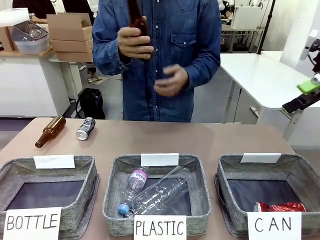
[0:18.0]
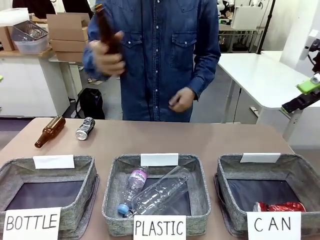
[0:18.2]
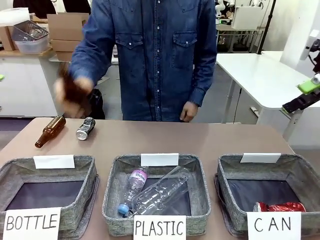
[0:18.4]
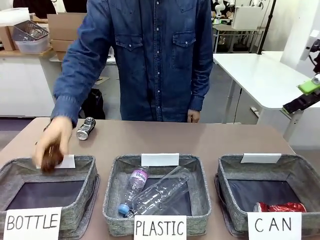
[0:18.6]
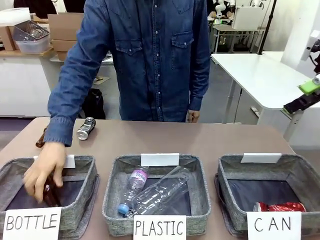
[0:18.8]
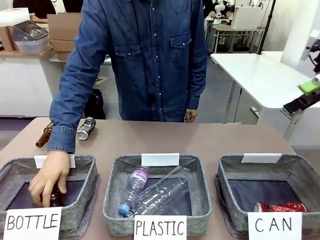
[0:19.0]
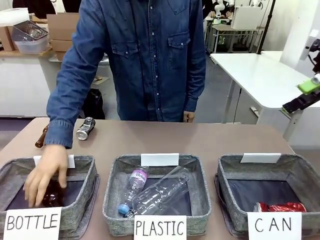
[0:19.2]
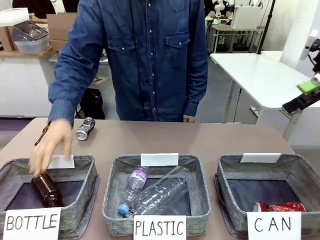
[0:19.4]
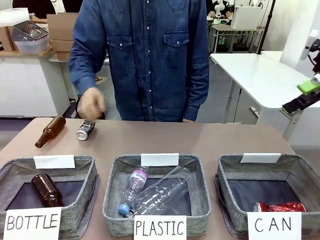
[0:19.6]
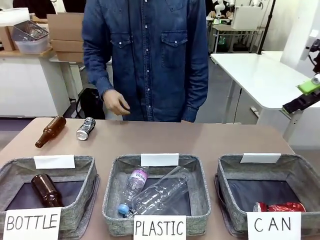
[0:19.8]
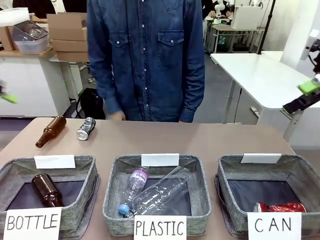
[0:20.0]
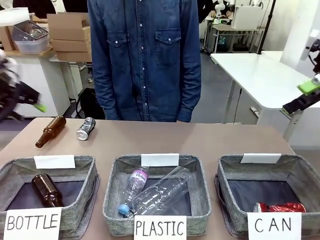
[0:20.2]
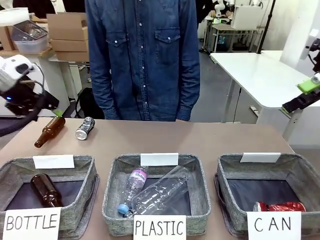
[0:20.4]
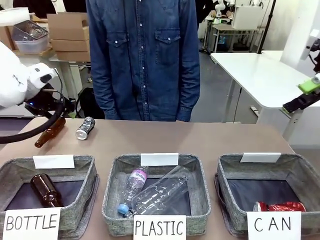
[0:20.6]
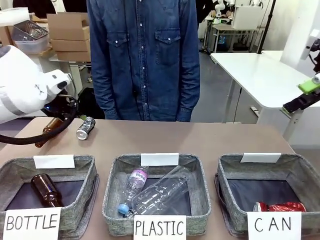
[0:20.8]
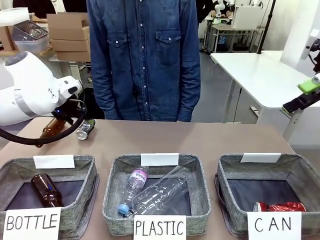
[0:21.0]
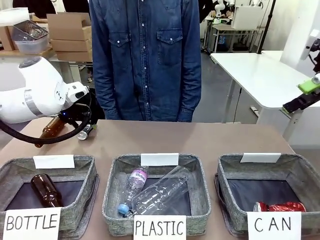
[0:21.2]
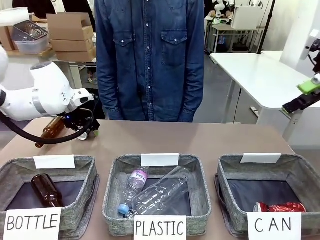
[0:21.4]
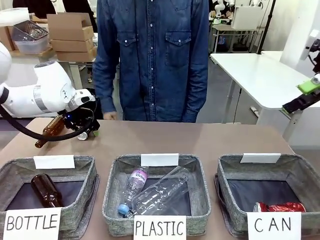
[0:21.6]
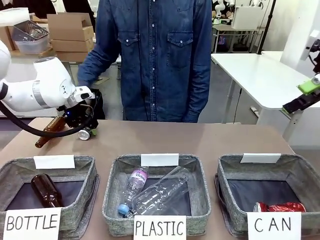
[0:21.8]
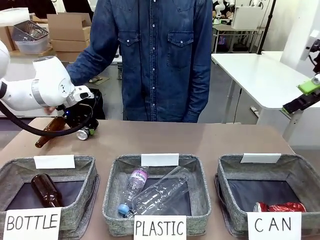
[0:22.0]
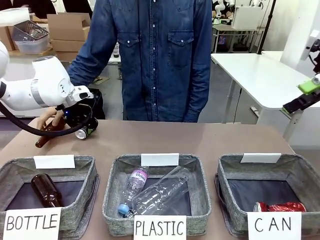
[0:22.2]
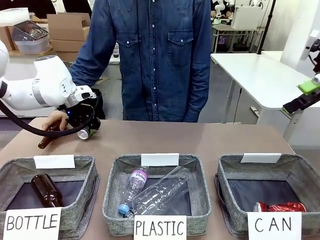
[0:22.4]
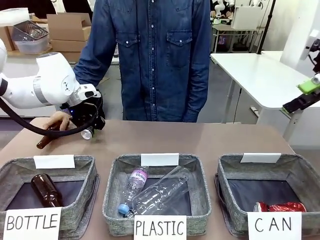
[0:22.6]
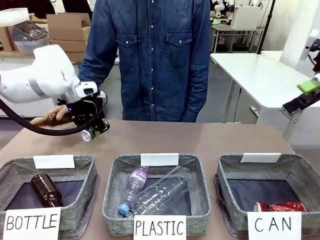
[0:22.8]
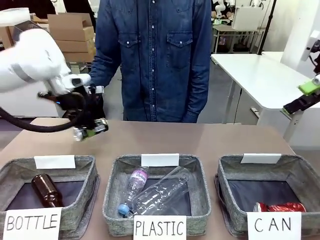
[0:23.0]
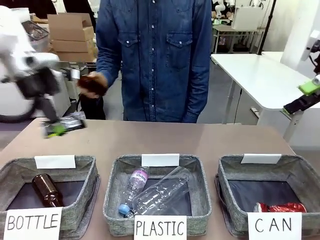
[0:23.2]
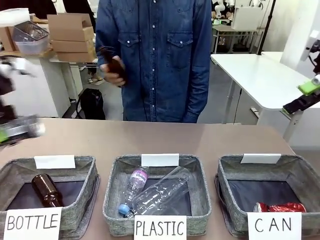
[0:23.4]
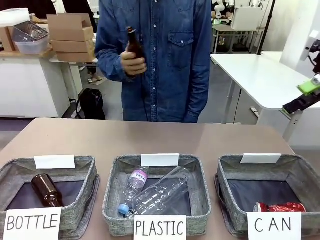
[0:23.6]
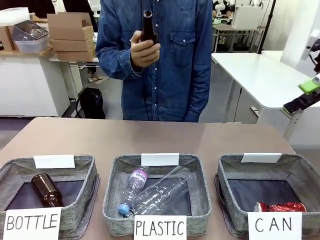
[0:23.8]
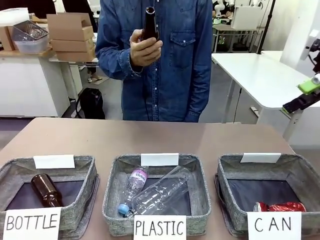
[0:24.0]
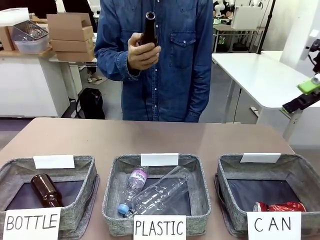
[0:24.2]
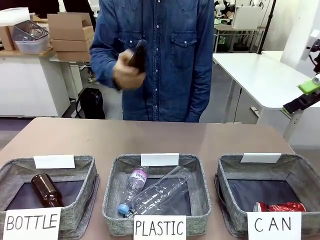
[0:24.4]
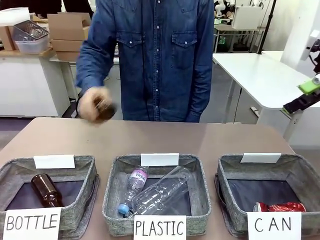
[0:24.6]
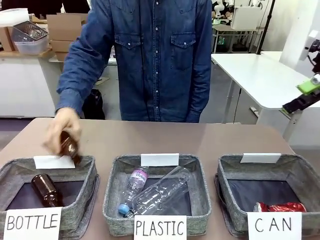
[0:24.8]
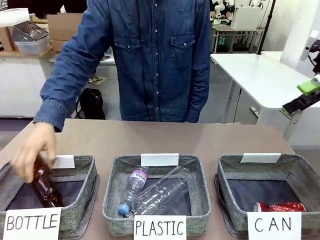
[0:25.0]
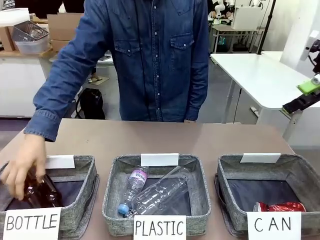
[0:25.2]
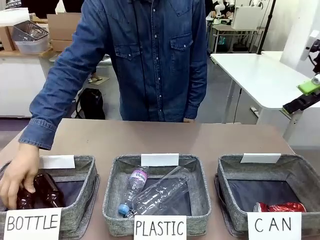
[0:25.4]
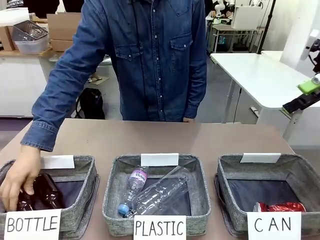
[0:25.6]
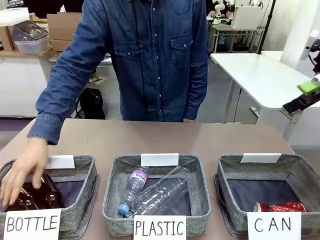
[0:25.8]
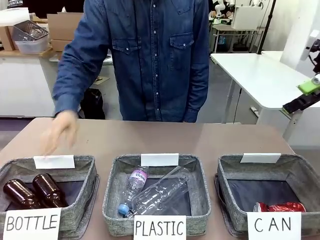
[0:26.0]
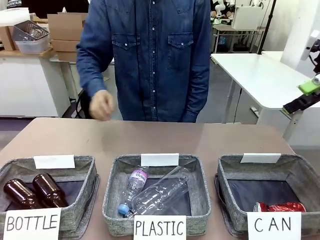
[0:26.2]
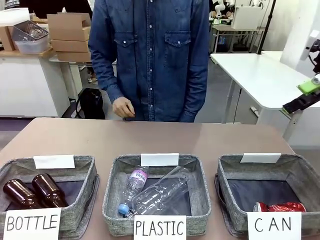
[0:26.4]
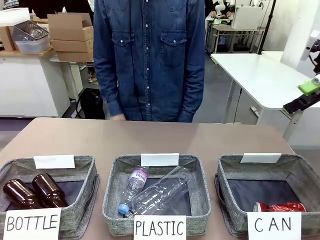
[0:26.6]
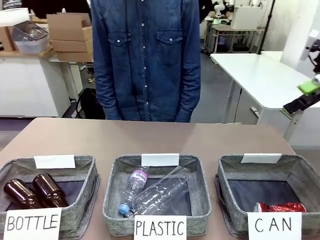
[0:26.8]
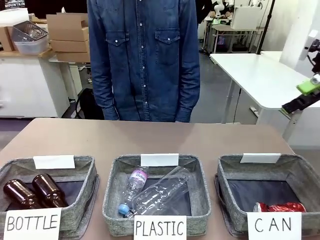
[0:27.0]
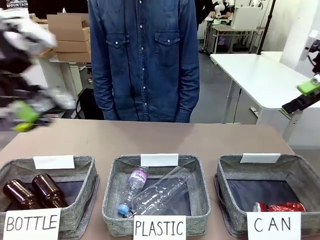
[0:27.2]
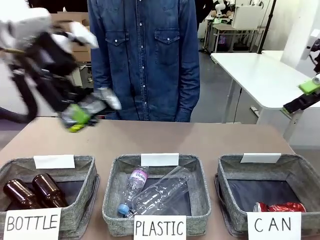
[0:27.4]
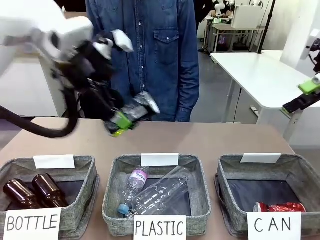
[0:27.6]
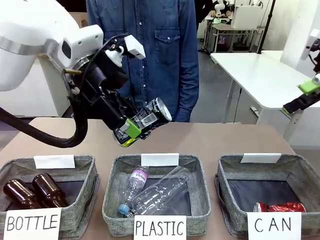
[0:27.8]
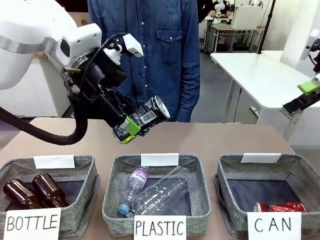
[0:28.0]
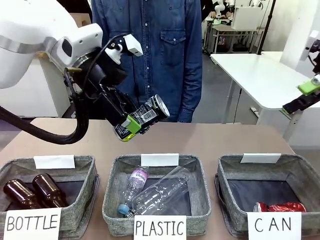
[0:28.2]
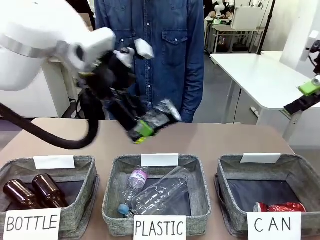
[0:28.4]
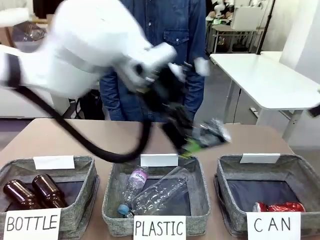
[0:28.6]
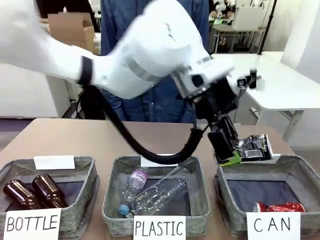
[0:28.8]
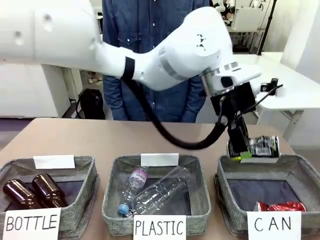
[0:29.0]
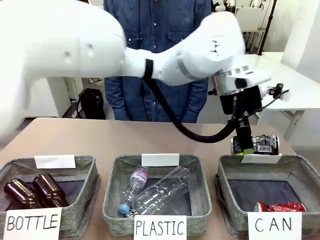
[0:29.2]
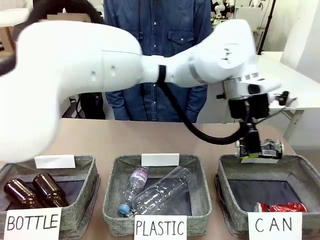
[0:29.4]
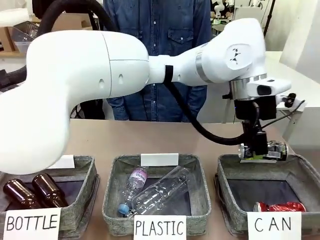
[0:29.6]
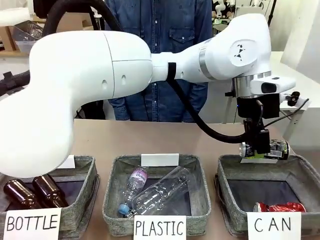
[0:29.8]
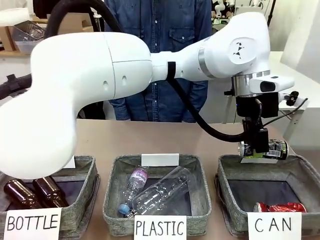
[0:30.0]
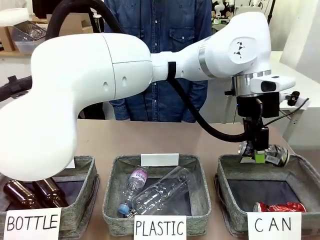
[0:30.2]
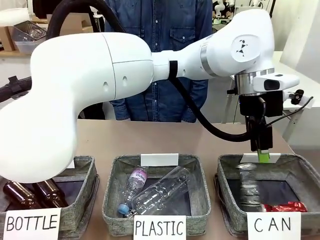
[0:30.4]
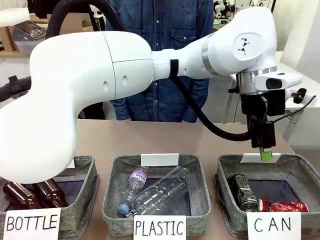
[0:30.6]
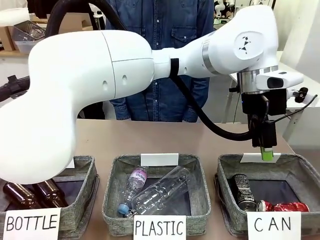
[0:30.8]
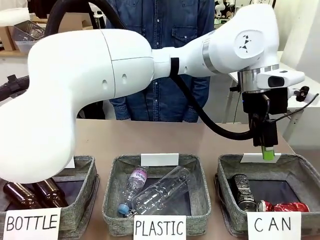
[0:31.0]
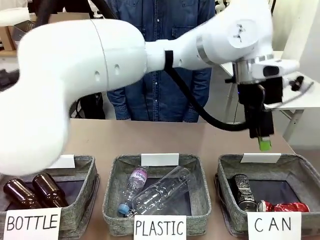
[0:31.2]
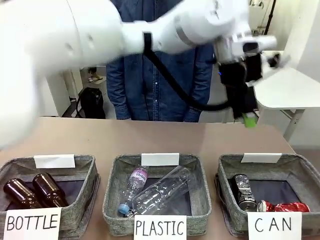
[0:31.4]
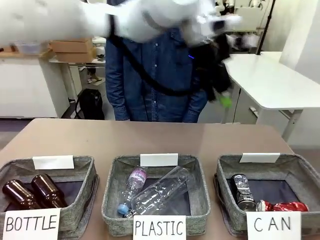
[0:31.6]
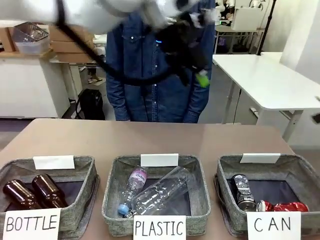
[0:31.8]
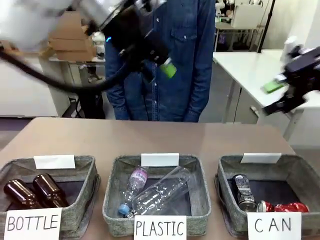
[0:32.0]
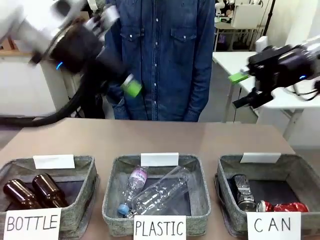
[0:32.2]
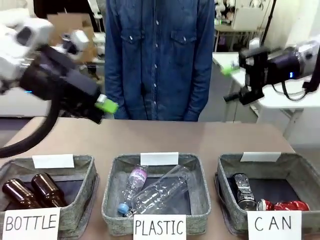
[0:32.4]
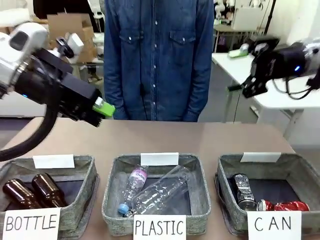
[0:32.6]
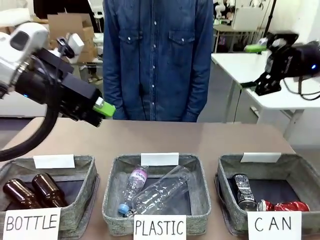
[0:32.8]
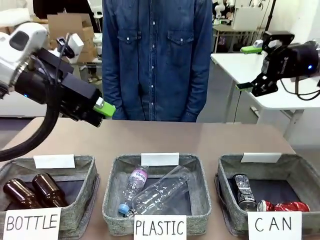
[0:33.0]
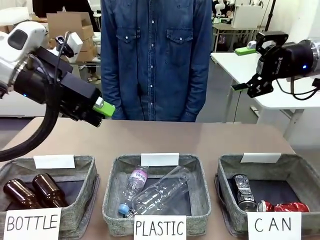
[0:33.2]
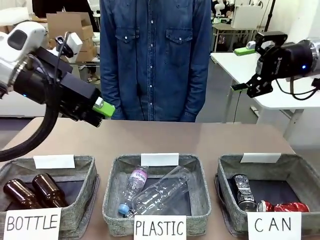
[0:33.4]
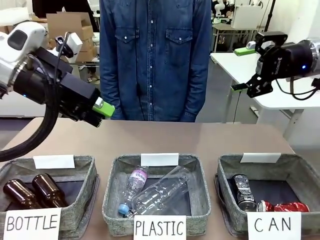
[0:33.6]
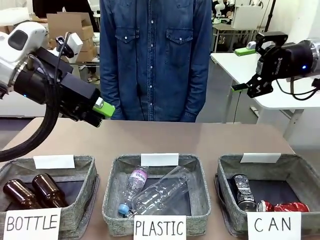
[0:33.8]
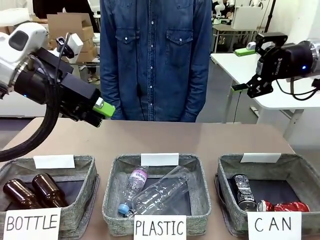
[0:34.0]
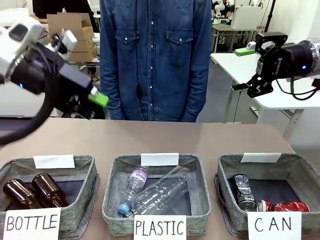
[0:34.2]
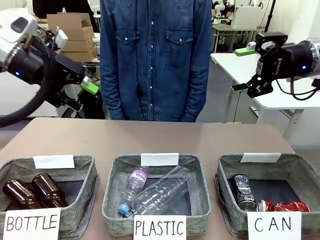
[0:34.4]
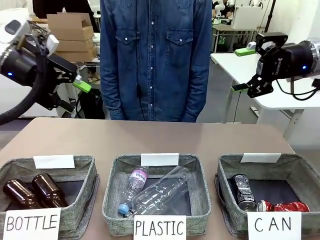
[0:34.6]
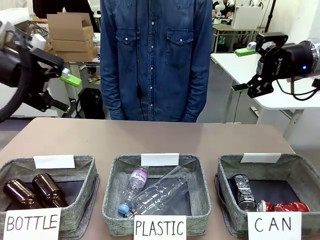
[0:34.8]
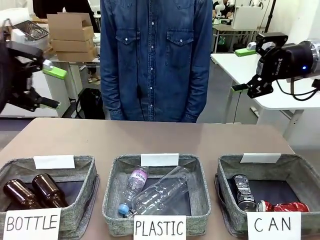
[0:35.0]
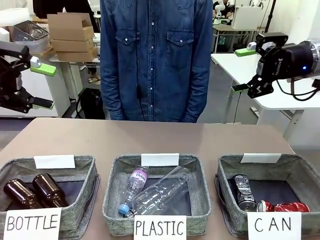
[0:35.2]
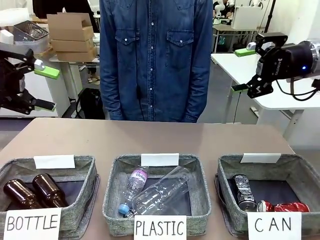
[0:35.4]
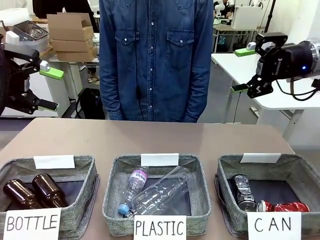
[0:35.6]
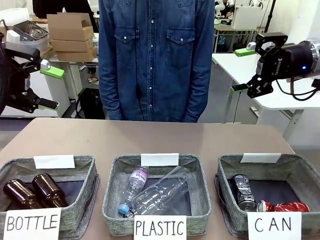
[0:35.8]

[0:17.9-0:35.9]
Task: Sort the can waste into the basket.
Robot: Pick up the can waste from the table and place it in the right Fabric basket.
Person: The human picks up one piece of trash that is not a can and places the trash into the appropriate organizing basket.

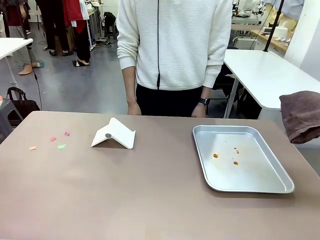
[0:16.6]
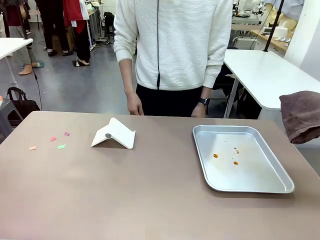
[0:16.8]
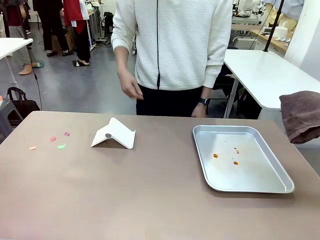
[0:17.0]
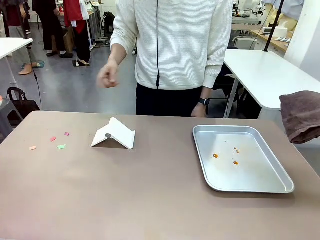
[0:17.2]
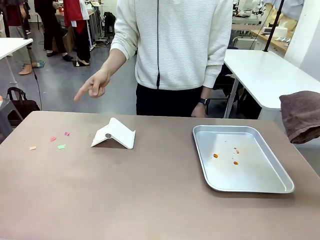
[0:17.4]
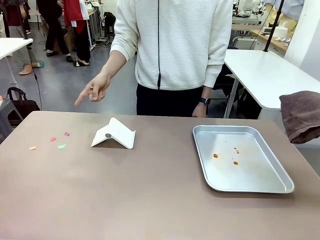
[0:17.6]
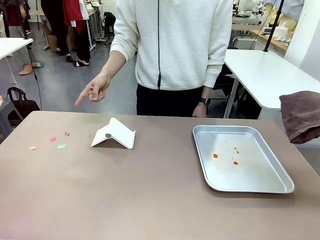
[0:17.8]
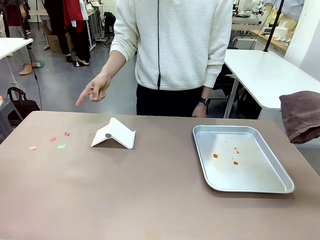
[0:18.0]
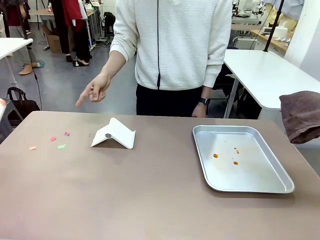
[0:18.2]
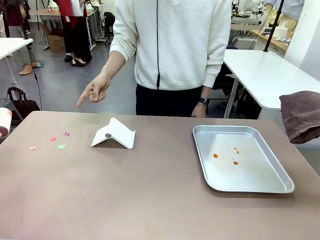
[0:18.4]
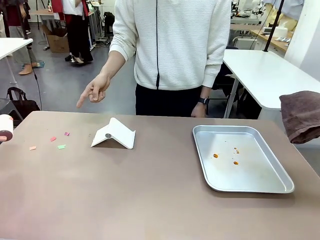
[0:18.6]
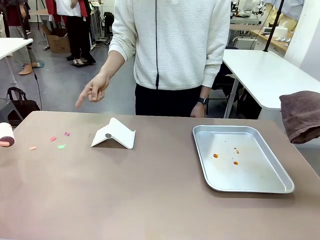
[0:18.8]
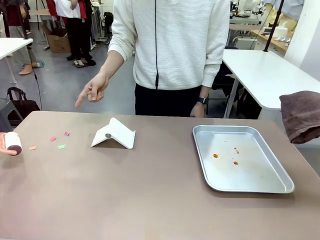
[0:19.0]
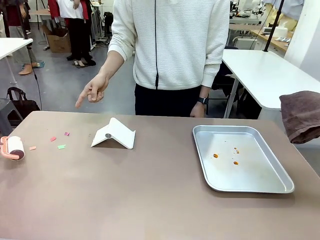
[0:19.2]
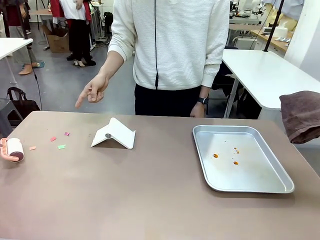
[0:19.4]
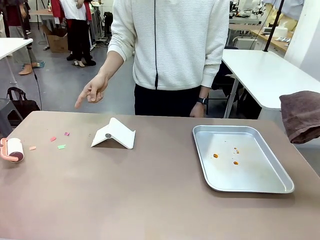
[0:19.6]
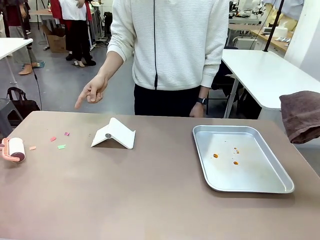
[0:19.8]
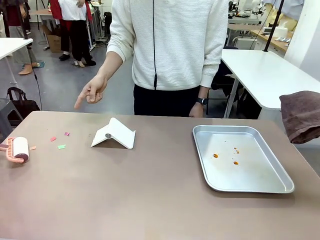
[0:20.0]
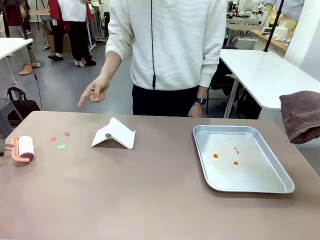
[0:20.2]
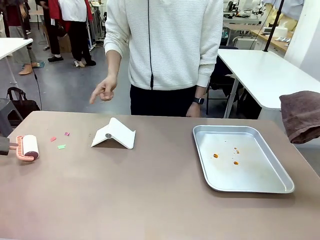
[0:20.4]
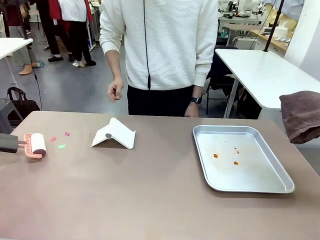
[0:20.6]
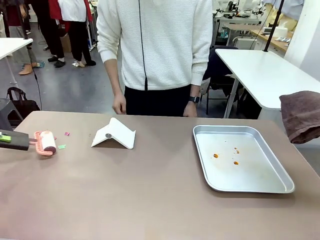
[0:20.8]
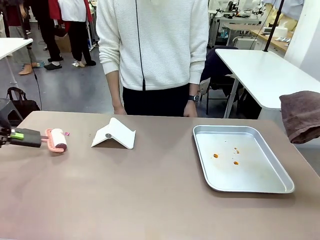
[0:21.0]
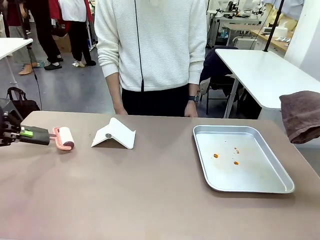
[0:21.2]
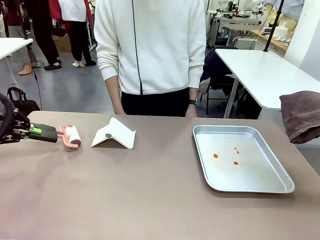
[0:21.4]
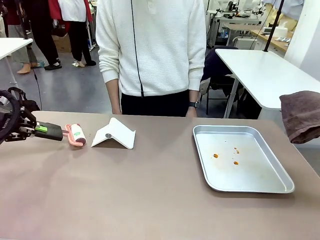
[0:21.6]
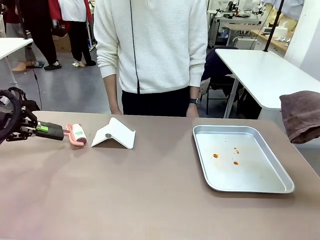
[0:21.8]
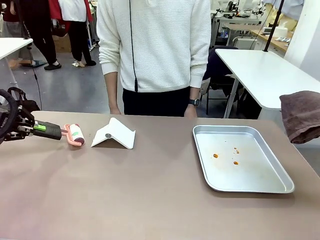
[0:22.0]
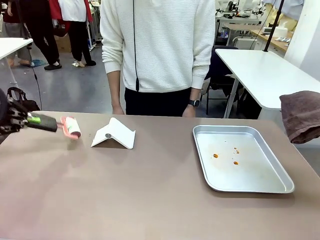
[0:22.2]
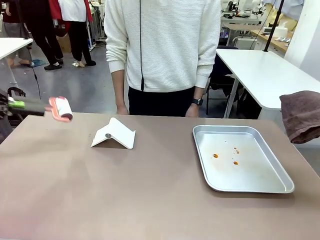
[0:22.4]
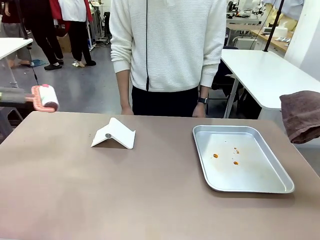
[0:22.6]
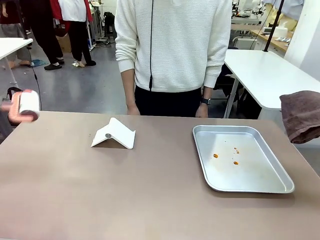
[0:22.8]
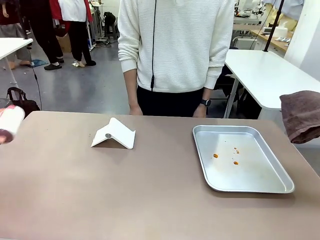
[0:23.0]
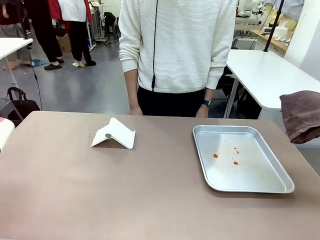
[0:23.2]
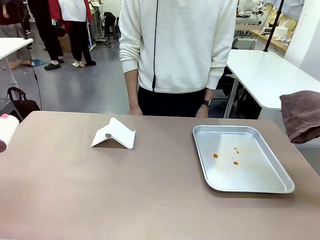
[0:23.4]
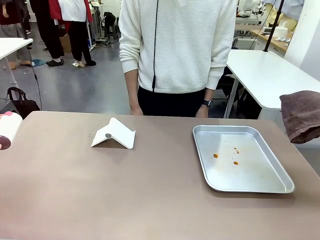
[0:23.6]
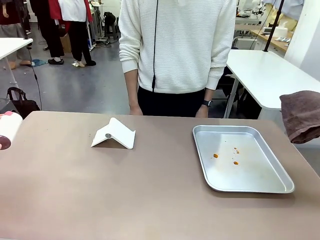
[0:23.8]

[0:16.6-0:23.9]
Task: Clean the surface of the table.
Robot: If a person points to the right, clean the right side of the table with your right hand, and if they point to the left, clean the left side with your left hand.
